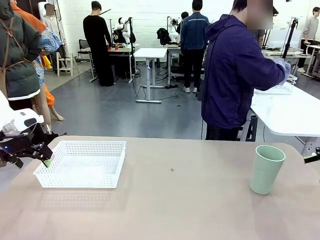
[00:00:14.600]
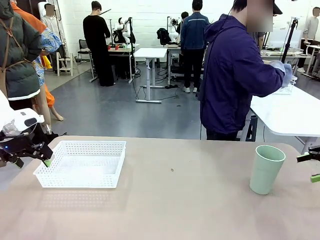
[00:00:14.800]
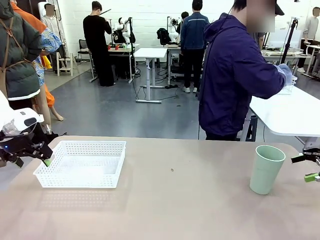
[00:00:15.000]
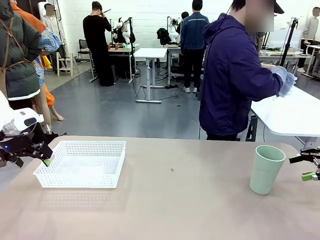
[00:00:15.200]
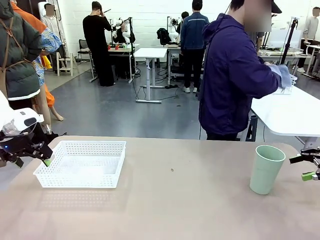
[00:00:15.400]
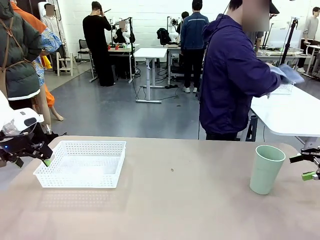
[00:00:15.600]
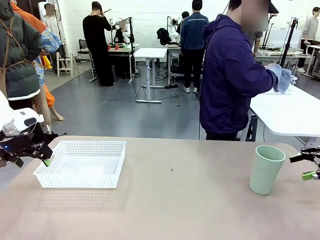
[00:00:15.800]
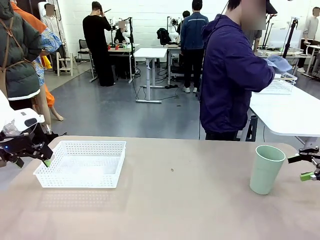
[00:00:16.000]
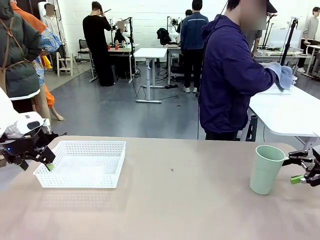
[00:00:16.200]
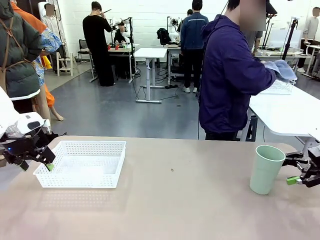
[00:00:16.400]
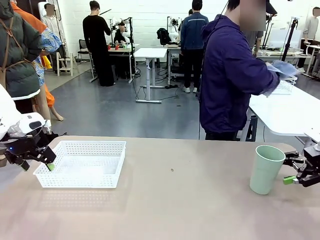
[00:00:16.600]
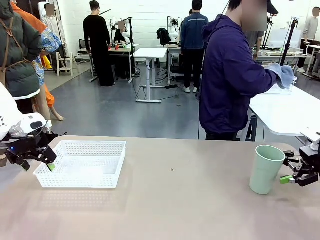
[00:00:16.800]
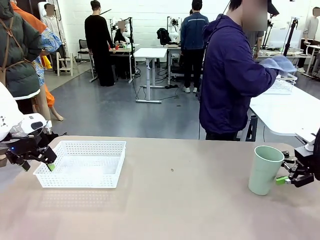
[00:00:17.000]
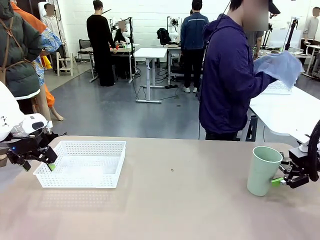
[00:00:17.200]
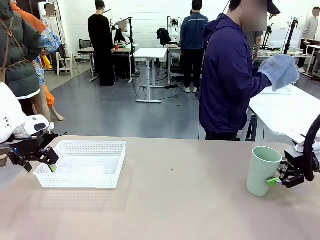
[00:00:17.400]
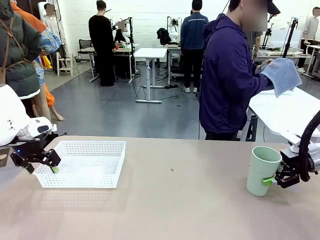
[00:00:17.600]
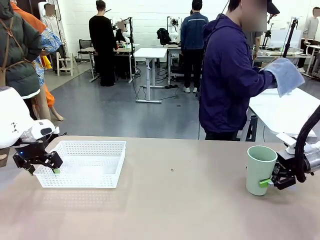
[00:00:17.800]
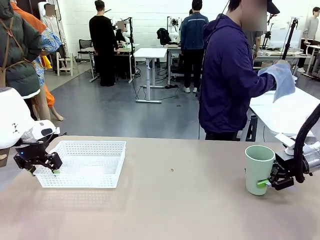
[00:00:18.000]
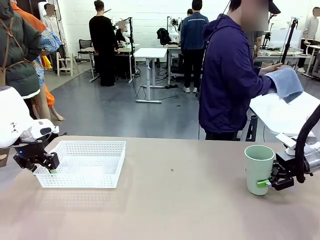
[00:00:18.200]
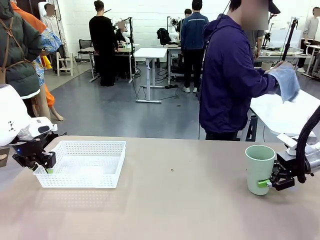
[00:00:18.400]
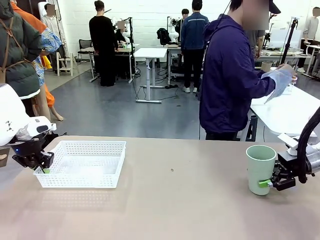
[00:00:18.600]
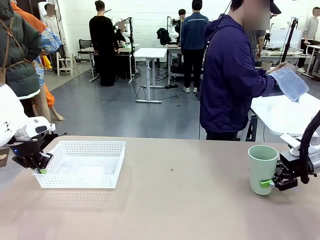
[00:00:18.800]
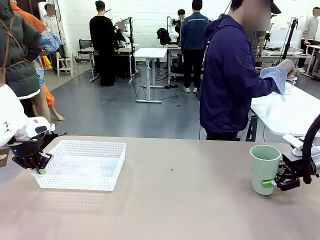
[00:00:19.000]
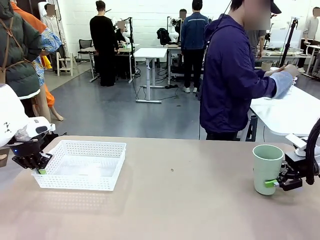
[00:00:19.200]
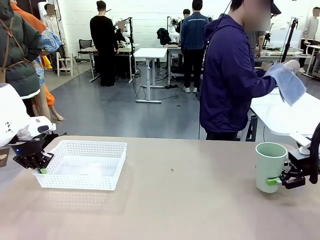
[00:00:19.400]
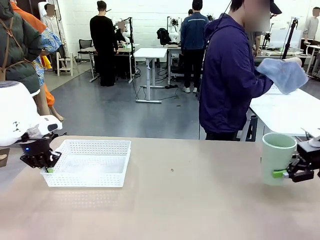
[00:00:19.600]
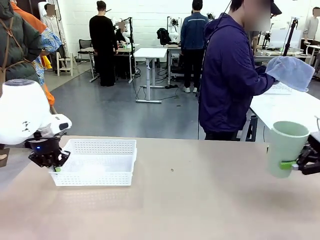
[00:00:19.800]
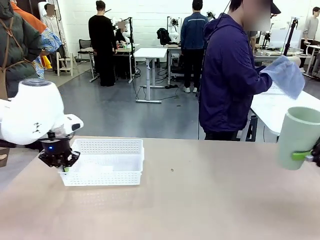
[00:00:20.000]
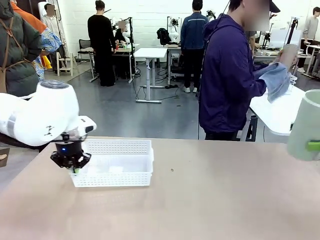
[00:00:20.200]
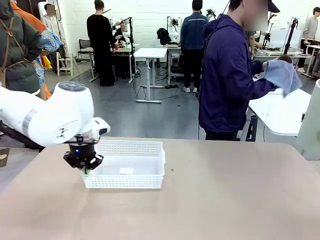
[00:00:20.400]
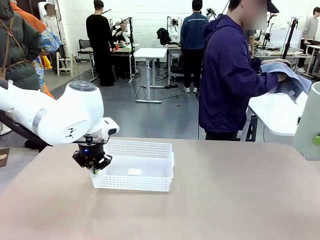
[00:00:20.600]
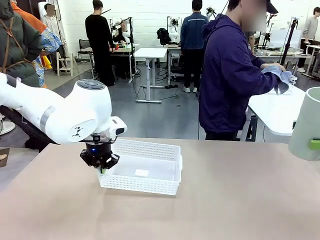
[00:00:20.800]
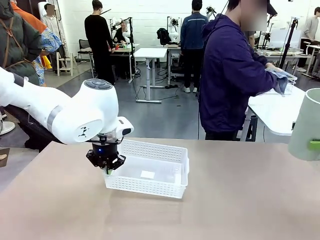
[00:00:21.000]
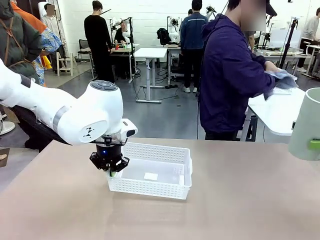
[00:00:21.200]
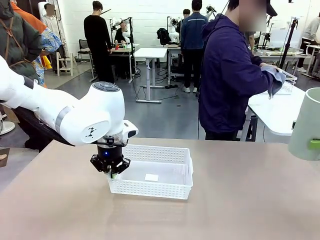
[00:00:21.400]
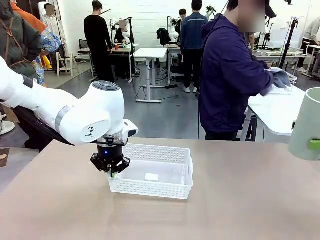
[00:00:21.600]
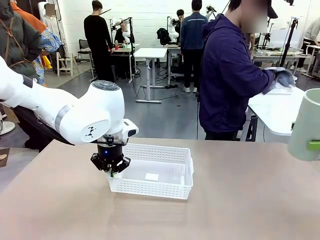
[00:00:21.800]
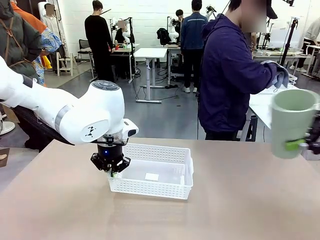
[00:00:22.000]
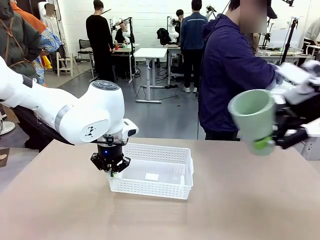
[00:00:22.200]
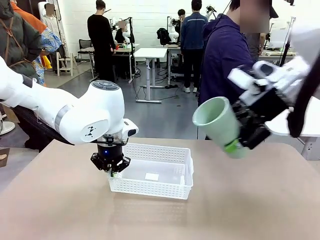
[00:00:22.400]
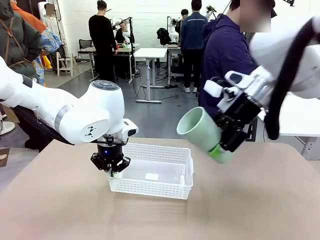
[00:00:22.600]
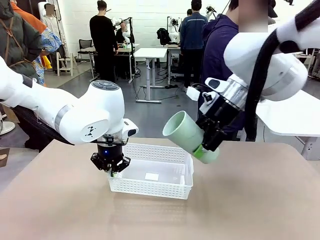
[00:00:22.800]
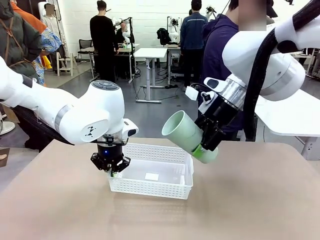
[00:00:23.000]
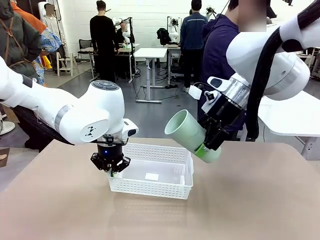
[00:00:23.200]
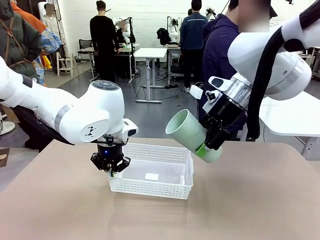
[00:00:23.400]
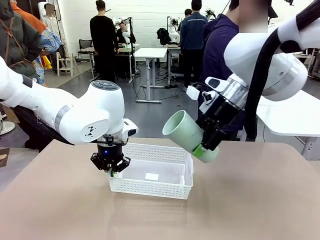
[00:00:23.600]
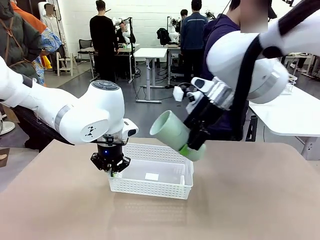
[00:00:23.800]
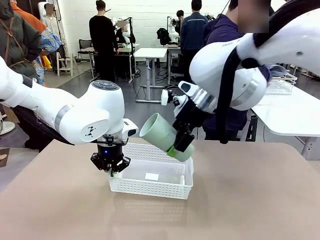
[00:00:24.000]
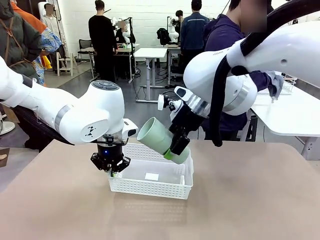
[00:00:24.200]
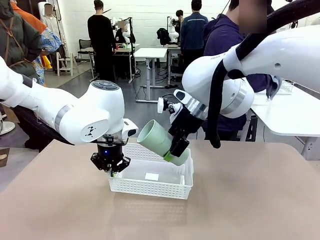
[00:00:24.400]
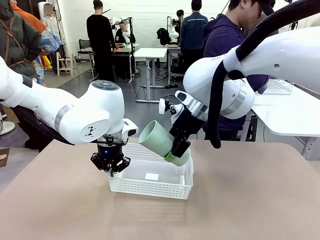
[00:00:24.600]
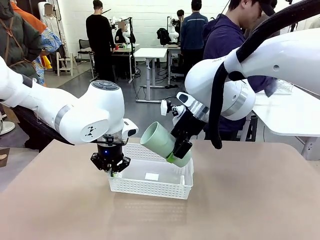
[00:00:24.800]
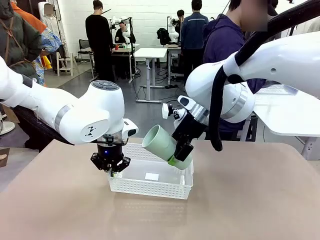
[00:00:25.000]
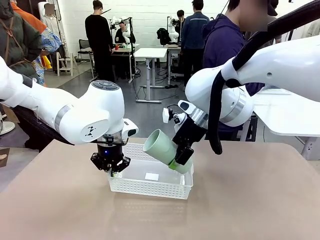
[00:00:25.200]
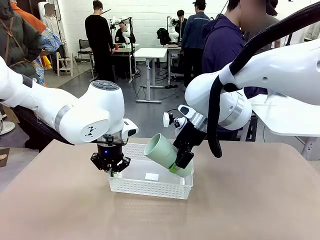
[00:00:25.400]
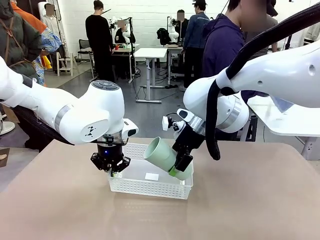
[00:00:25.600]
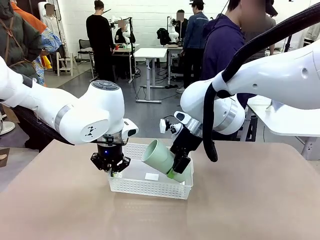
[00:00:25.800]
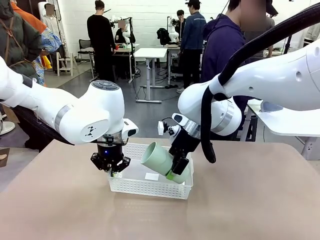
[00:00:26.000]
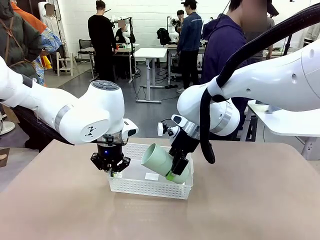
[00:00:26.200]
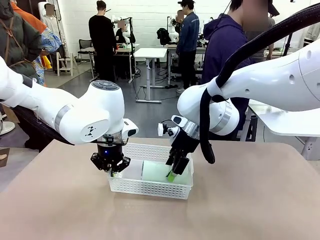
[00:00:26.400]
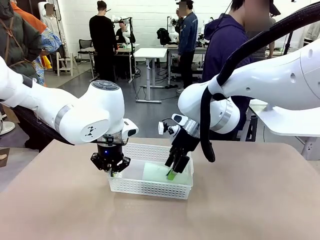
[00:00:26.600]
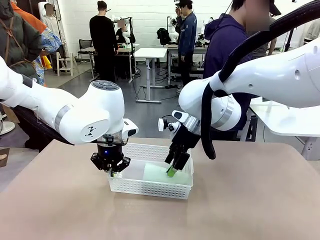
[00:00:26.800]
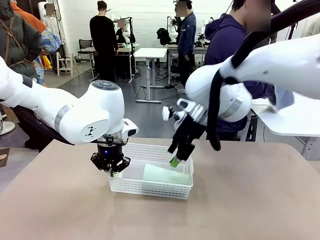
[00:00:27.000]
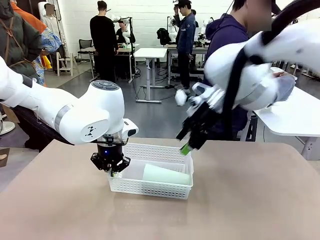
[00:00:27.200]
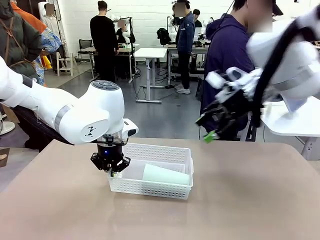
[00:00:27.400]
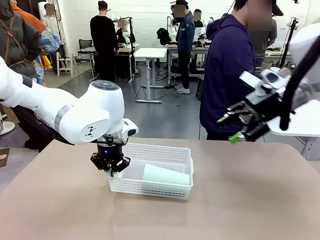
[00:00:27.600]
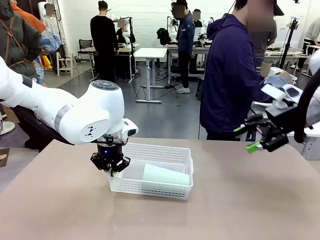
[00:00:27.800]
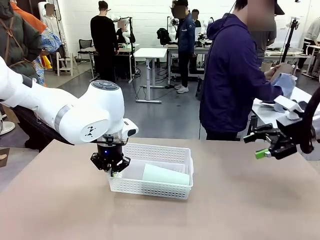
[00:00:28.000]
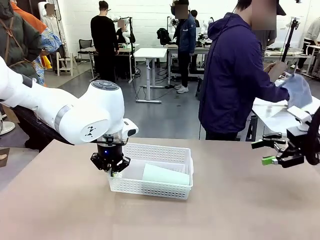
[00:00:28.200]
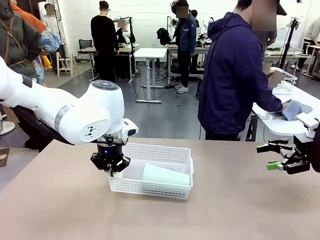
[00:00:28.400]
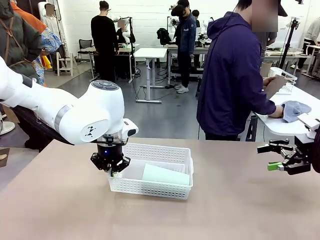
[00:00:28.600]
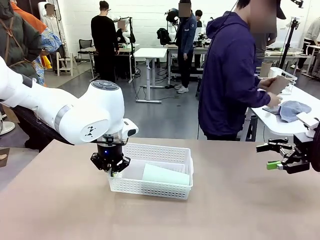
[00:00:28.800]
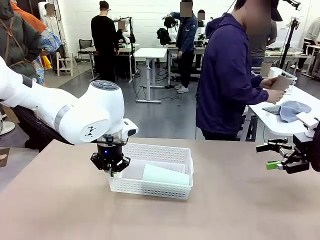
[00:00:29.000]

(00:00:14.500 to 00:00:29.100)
Task: Clean and organize the cups into the basket.
Robot: Pick up the Organizing basket and move it to the center of the table, then pick up the Reusable plastic cup from the right side of the table and place it inside the Organizing basket.
